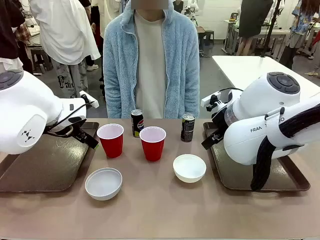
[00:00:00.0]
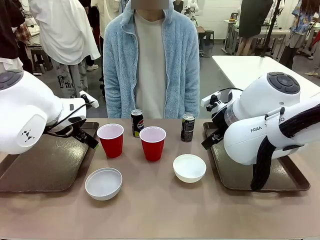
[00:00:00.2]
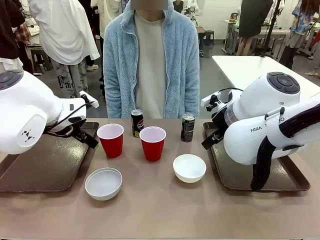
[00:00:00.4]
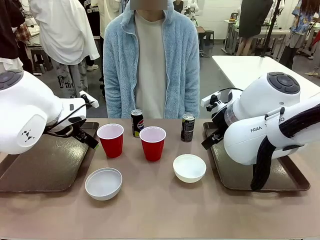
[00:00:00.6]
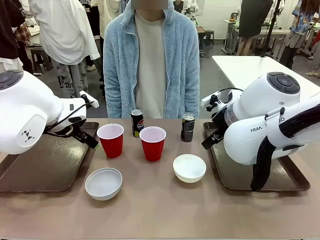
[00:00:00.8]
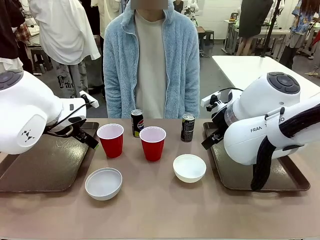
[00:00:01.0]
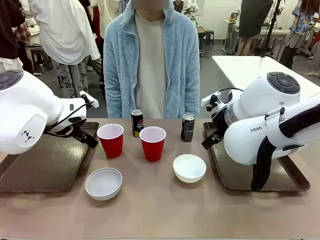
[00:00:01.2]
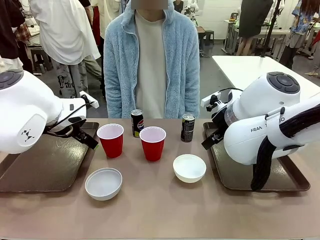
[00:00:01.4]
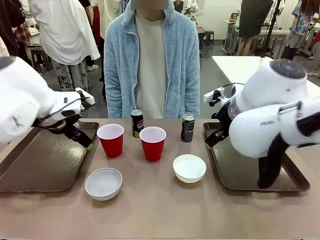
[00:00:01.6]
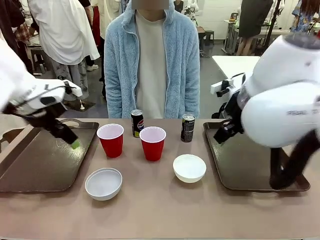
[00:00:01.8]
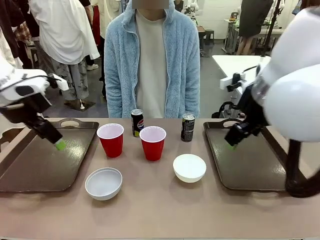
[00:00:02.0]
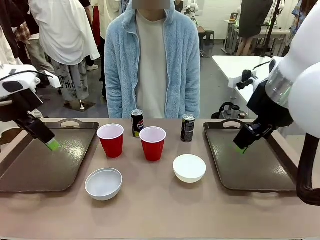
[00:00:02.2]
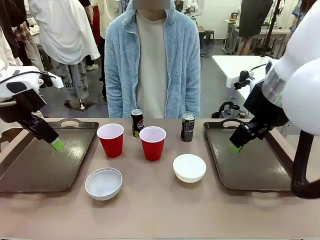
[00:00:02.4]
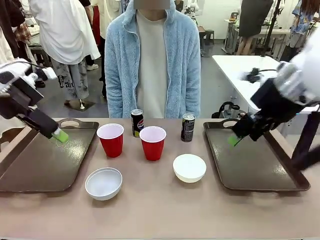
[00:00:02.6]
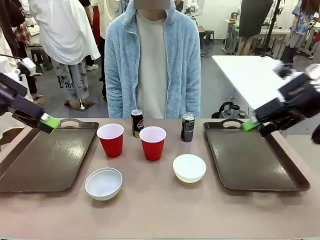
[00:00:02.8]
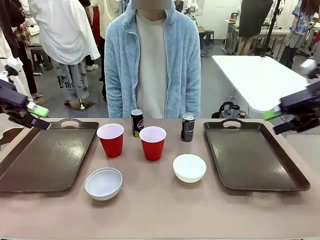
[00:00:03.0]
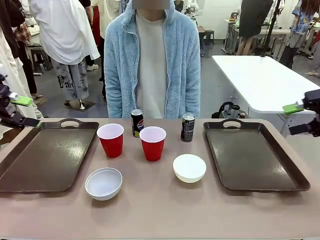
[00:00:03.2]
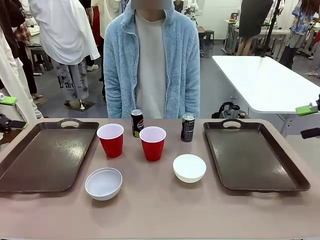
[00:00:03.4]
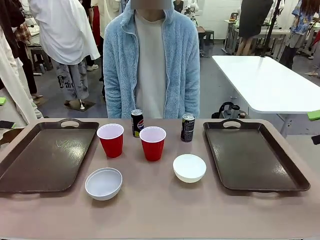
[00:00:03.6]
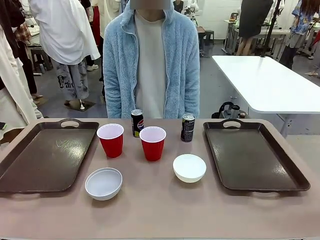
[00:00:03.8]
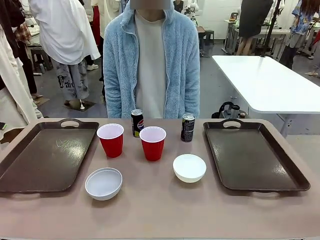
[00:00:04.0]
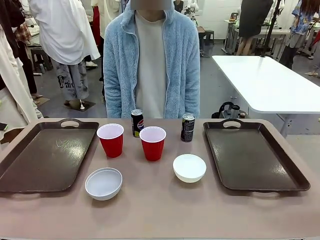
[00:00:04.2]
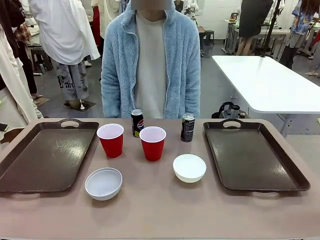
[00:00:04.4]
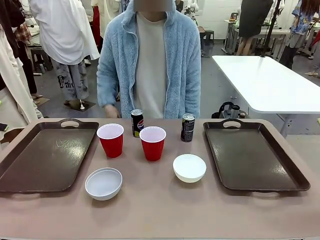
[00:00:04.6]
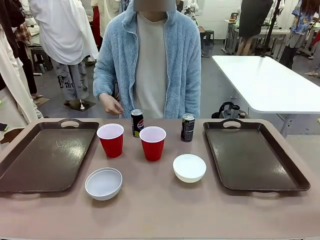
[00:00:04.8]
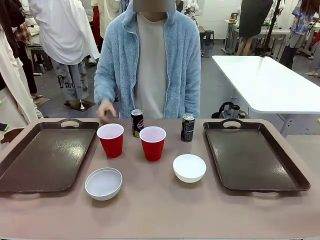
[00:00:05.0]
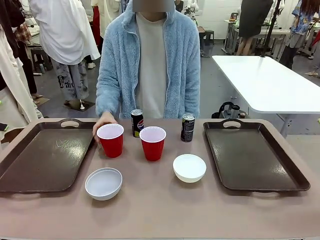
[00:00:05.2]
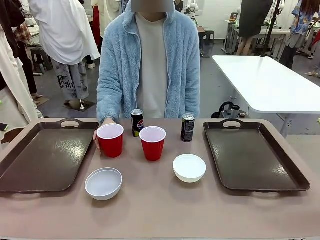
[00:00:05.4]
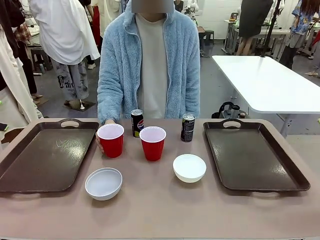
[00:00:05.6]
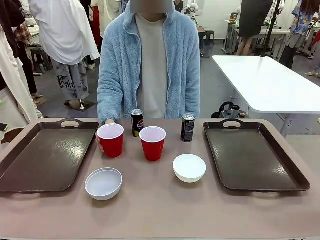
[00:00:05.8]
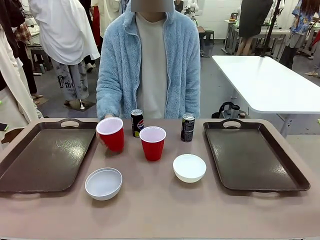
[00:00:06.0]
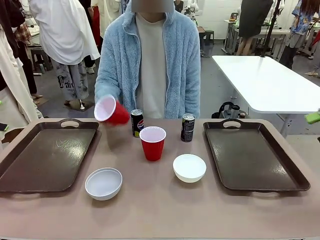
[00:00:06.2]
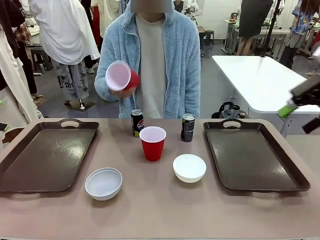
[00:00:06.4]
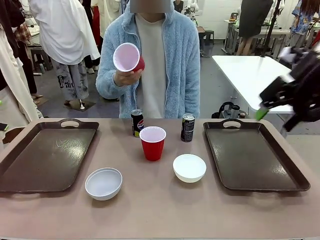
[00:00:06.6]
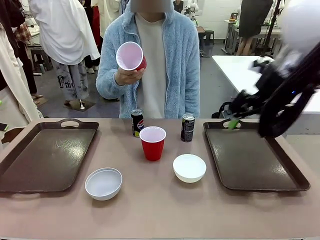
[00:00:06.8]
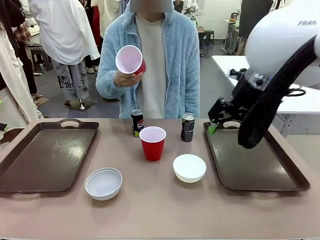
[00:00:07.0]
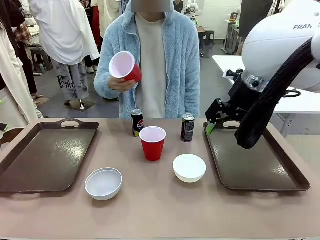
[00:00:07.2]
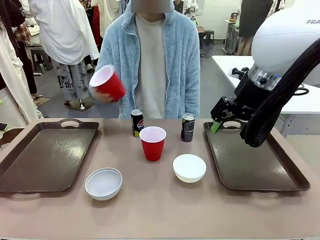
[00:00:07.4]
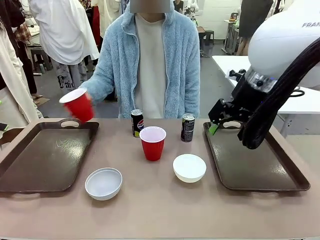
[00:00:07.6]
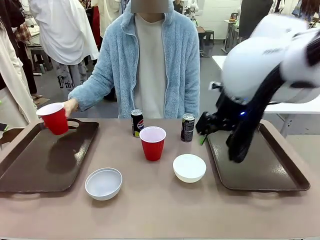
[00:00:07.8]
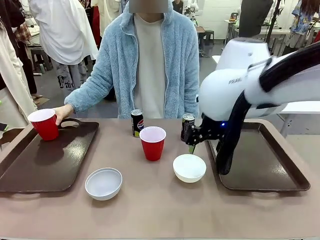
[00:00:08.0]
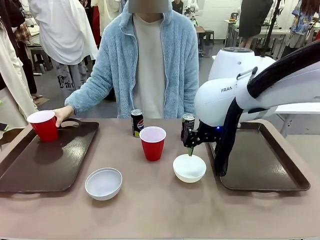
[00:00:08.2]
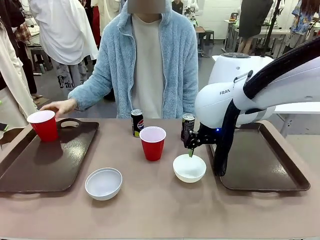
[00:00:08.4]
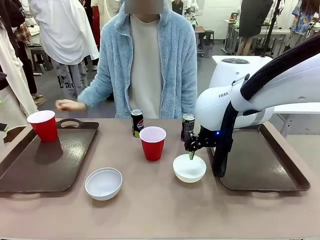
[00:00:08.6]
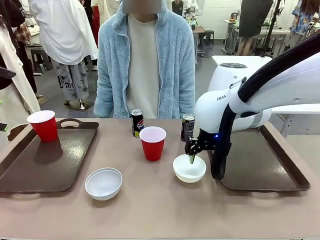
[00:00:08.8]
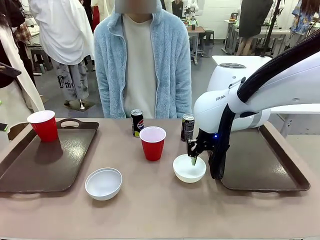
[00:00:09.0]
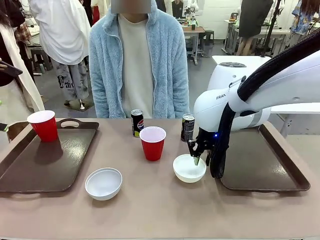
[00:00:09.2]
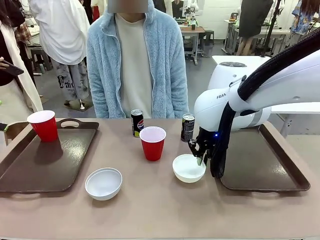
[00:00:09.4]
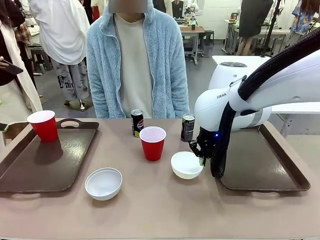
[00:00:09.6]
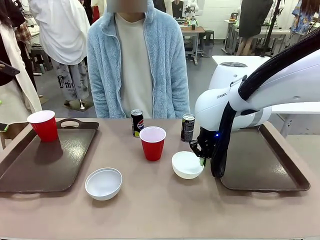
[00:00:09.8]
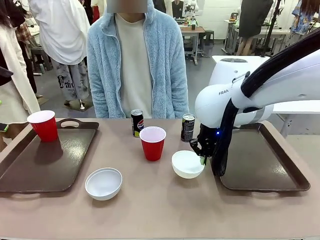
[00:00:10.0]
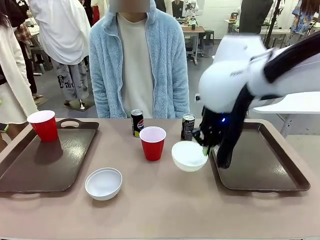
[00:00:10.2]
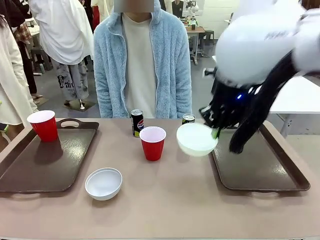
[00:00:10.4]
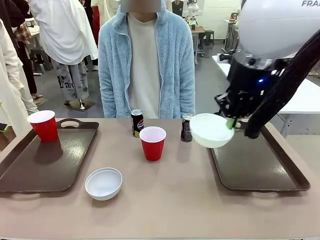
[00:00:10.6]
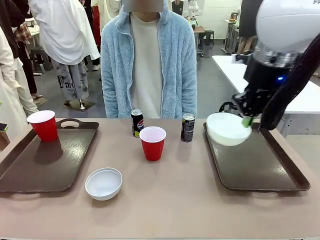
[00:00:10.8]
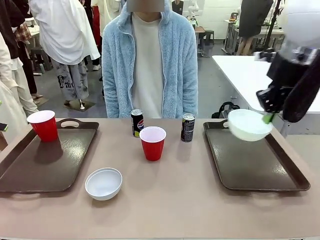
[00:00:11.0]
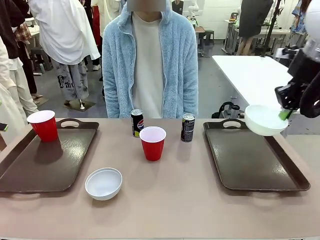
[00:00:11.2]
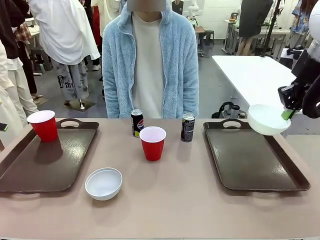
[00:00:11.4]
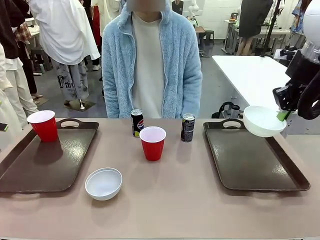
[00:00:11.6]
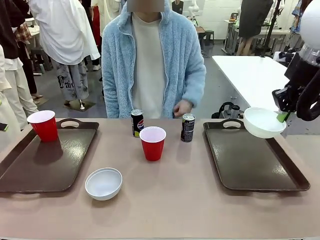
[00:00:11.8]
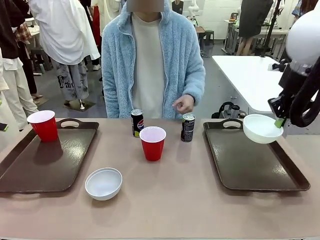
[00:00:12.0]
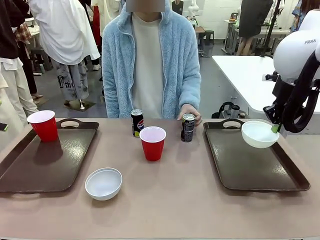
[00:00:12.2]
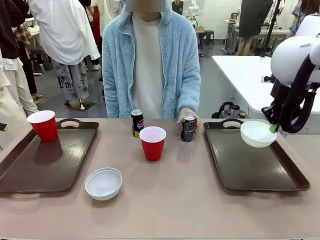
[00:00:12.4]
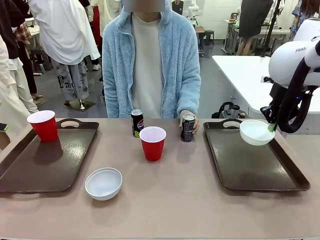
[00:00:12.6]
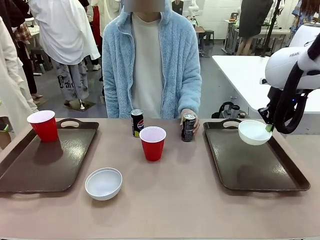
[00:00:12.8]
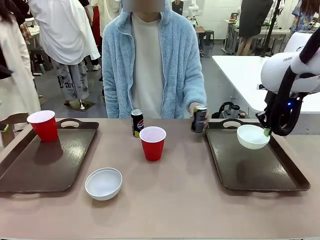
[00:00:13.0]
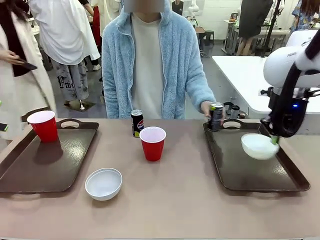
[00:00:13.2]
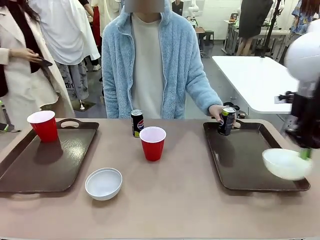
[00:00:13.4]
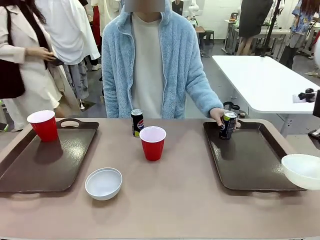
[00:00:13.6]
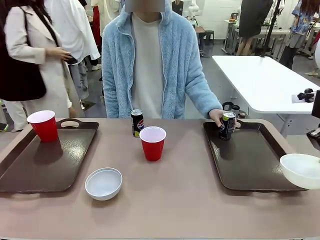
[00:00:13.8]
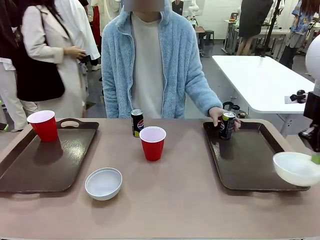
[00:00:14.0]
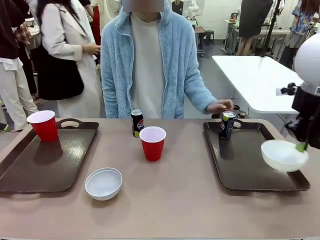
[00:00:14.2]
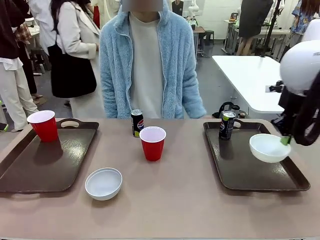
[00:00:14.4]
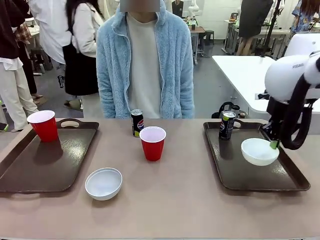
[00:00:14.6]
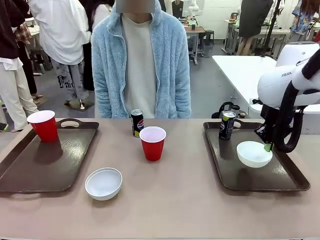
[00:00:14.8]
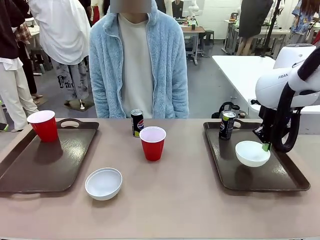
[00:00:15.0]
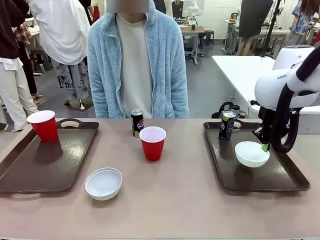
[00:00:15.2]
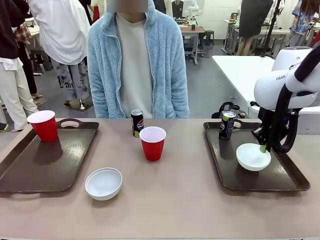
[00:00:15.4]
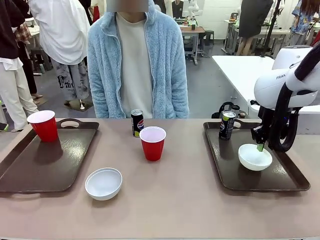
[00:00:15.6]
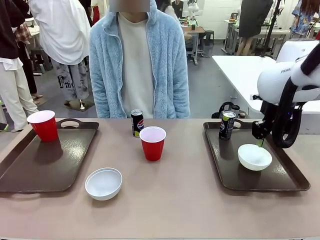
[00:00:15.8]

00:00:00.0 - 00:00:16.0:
Task: Prepare tableware on both trays.
Robot: Pick up a Picnic Bowl from the table and place it on a Handle tray.
Person: Pick up a can or cup and place it on the tray.
